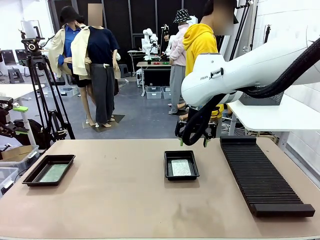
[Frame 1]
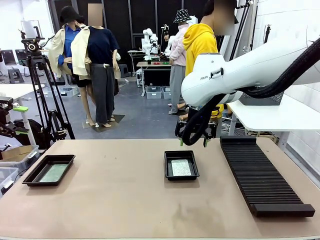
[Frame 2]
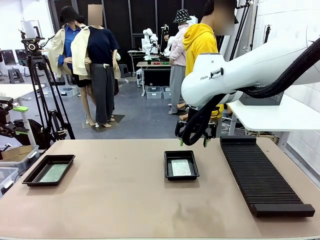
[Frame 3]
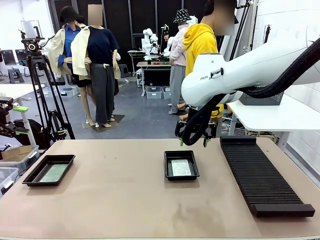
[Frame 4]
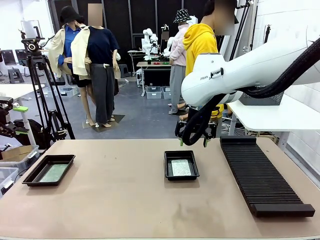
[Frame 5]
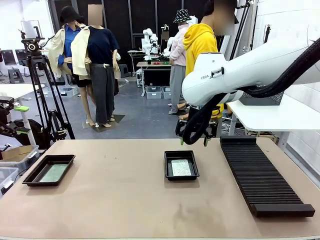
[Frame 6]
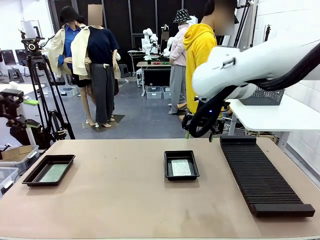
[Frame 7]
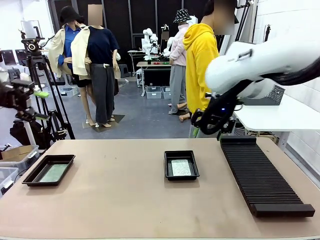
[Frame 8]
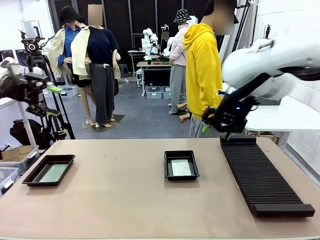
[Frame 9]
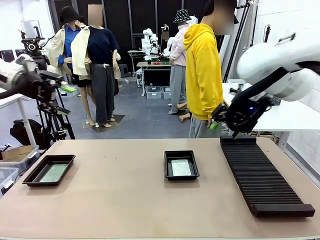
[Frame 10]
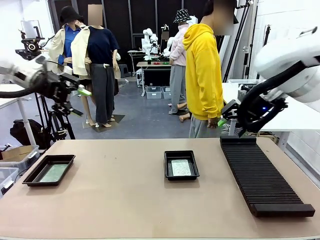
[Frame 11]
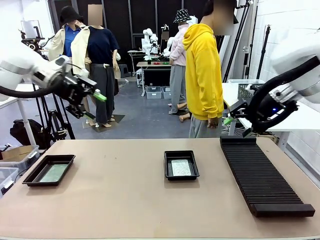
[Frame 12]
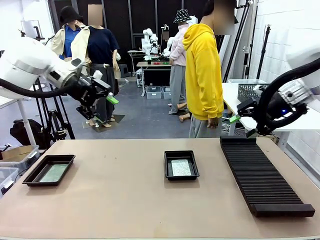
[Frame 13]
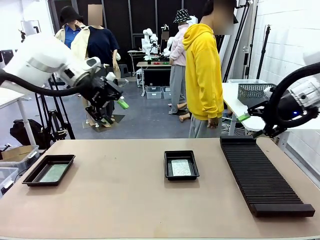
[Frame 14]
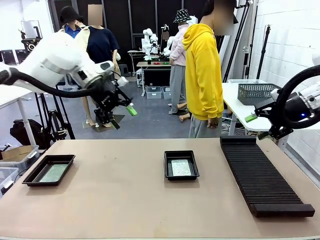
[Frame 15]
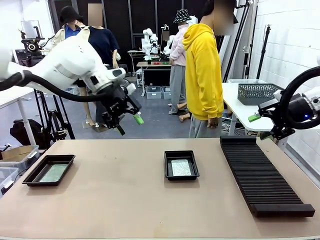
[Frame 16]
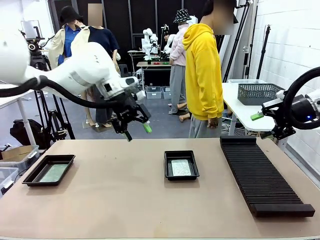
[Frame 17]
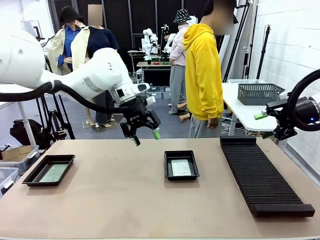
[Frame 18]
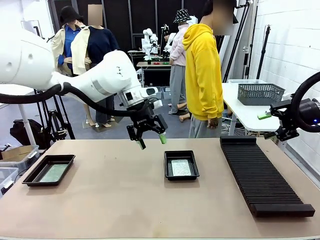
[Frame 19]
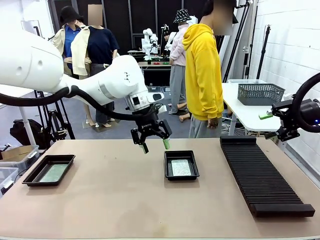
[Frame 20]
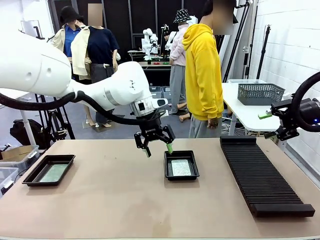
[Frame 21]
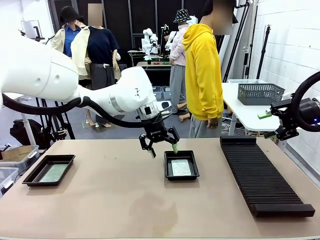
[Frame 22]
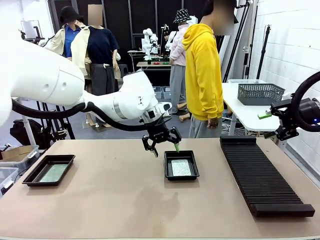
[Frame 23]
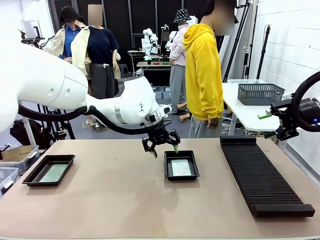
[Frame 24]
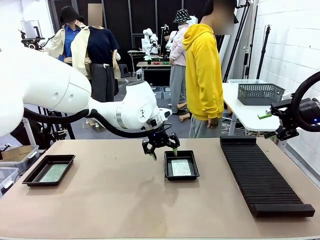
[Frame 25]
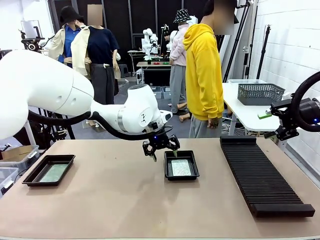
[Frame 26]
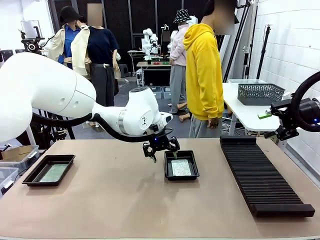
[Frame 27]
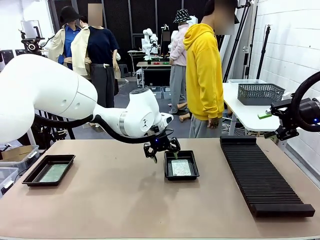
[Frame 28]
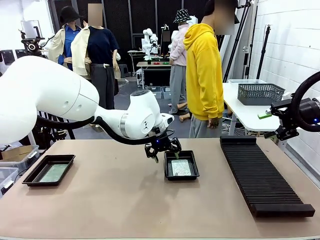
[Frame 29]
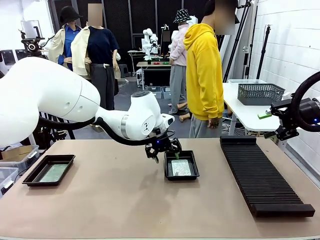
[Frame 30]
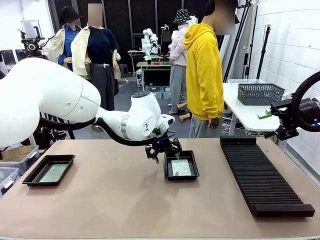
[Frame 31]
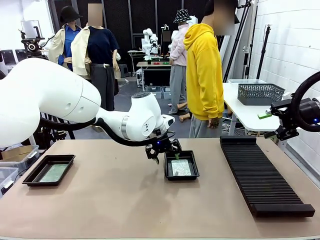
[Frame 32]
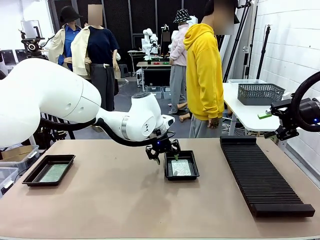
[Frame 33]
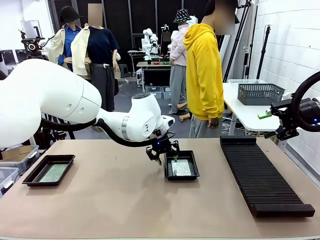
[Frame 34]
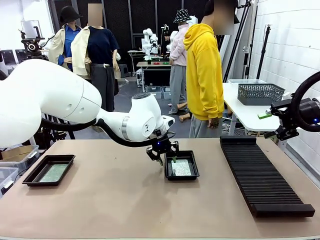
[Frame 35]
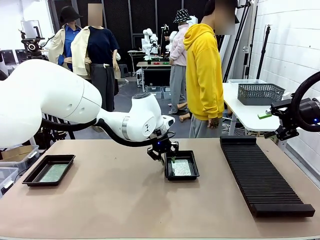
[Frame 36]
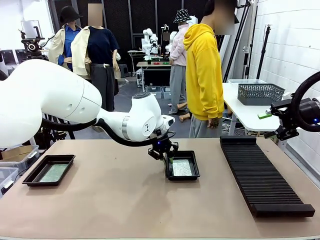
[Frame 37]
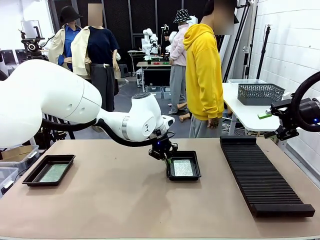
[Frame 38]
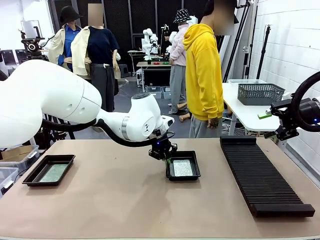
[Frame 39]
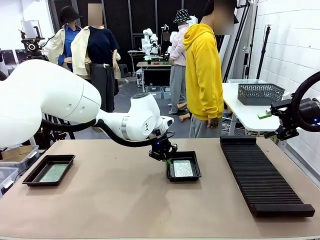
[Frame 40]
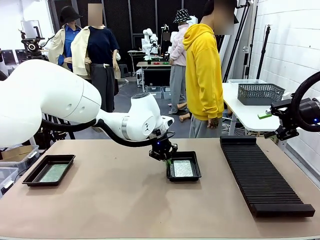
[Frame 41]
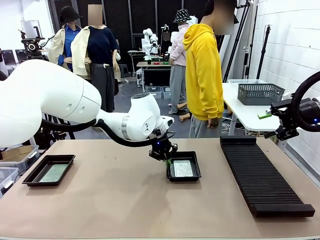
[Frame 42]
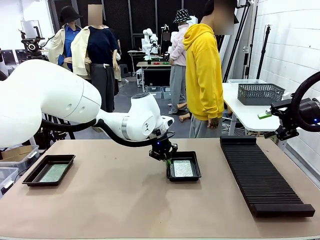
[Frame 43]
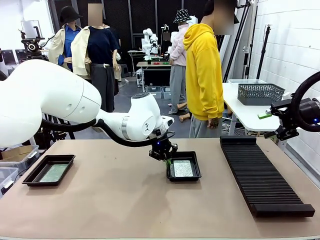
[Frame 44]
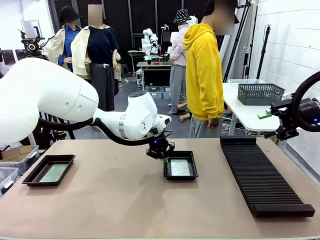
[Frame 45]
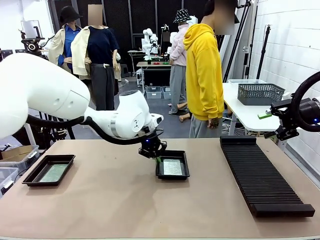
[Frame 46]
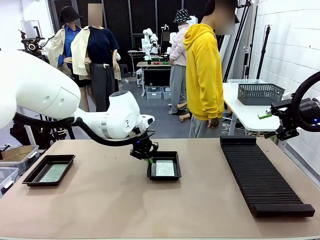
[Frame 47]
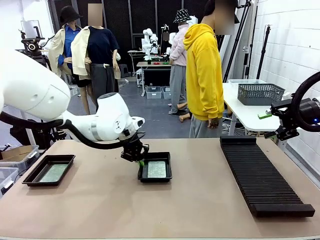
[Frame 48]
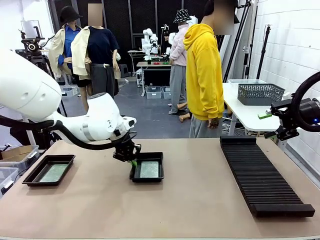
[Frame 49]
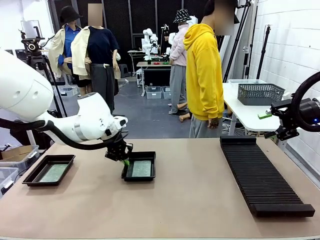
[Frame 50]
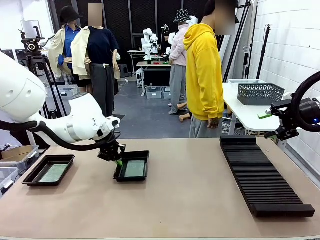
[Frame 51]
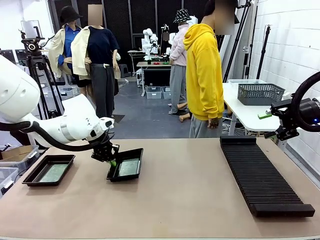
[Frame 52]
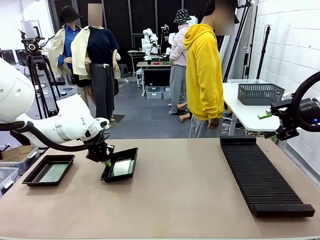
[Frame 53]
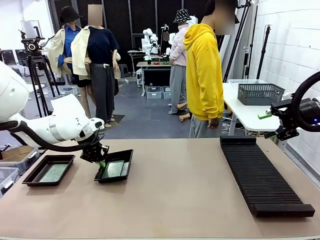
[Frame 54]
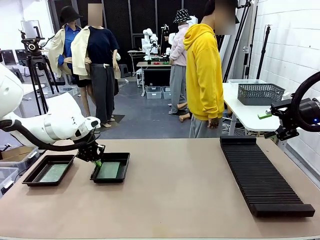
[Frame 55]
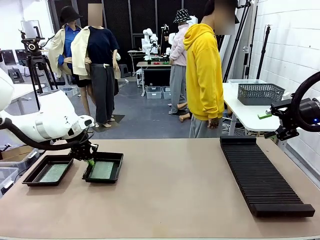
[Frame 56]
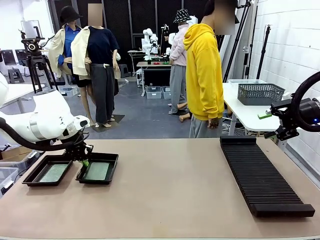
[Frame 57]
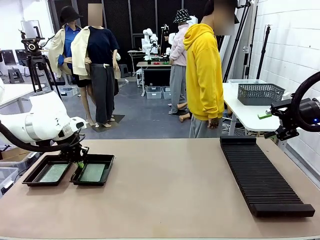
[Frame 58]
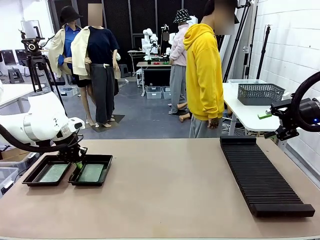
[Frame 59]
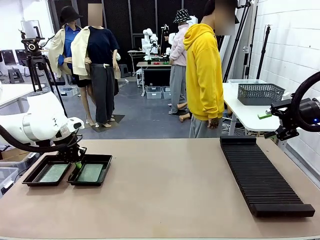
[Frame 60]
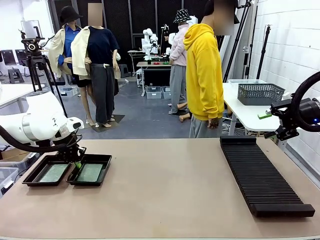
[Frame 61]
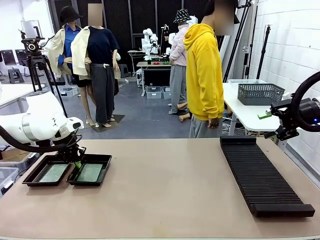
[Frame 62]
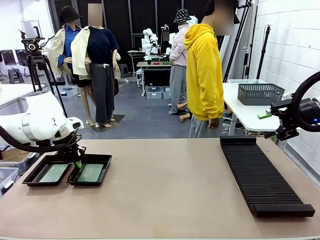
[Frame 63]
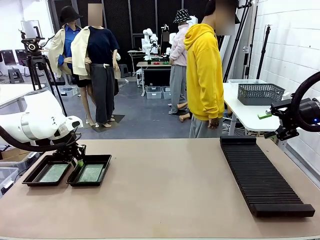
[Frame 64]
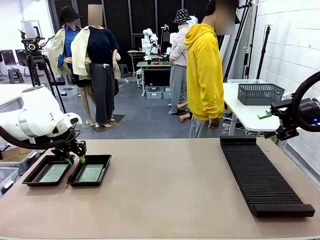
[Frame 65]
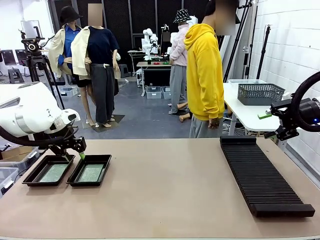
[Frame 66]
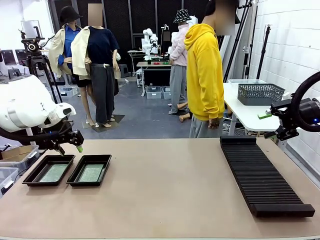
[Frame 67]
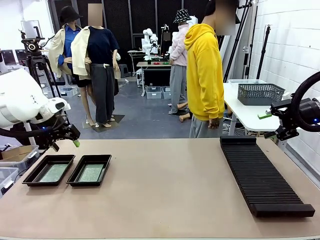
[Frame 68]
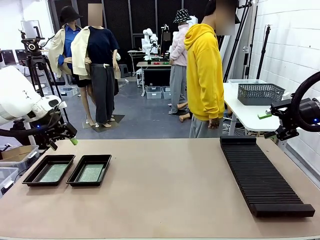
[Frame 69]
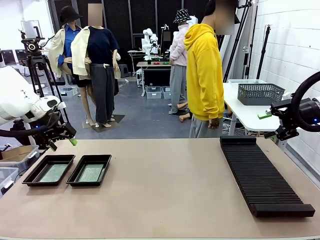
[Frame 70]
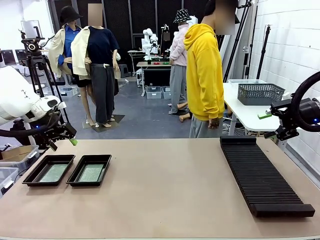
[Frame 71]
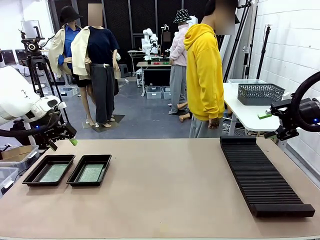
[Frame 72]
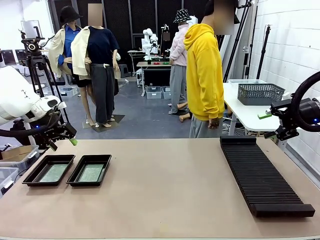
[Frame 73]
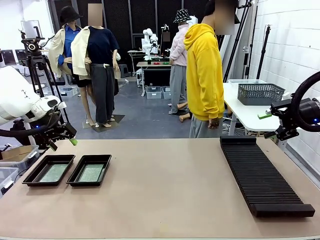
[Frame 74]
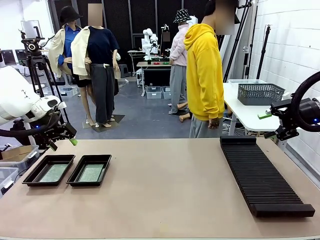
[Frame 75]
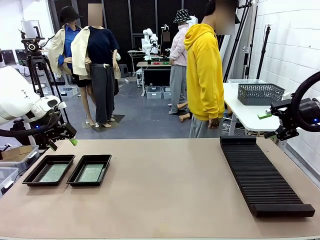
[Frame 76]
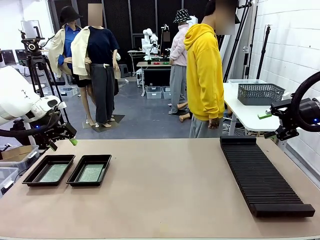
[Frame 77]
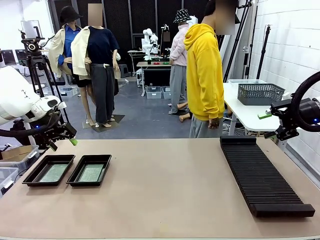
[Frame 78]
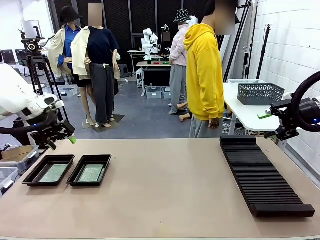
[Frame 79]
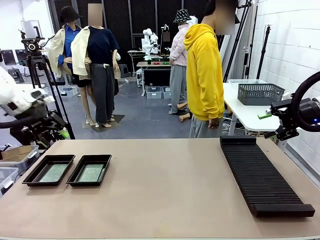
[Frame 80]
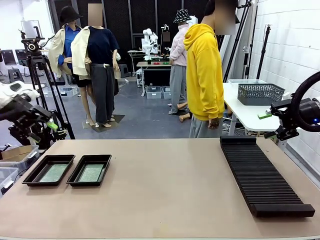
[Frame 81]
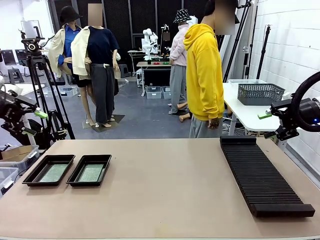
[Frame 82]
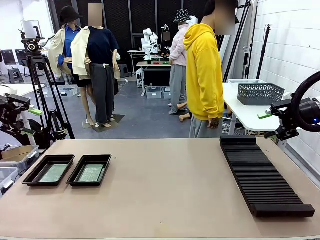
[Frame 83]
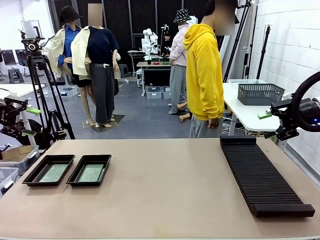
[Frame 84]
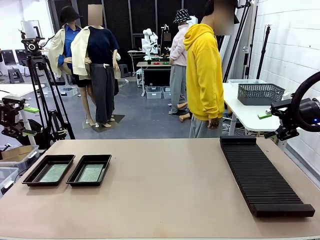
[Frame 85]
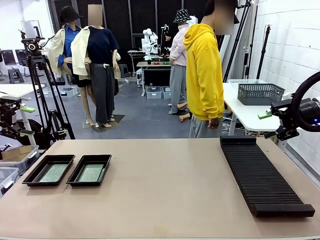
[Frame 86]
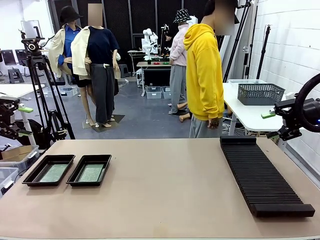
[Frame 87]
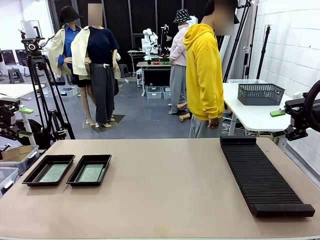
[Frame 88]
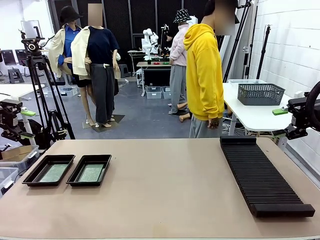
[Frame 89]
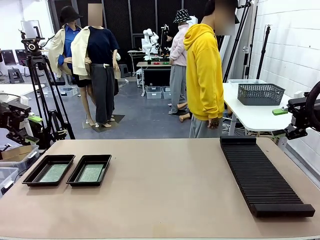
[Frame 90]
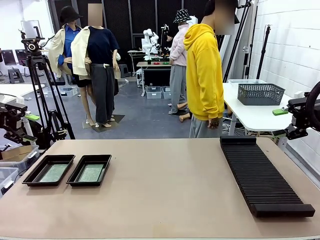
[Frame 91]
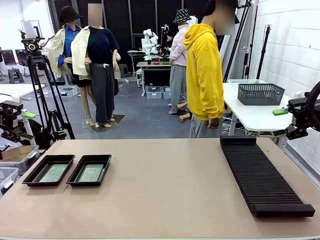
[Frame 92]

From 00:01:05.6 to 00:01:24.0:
Task: Inspect and transfer BCBs to ESD trays.
Robot: Pick up the ESD tray and place it on the left side of the table.
